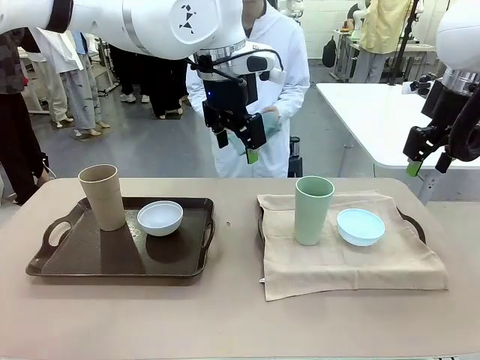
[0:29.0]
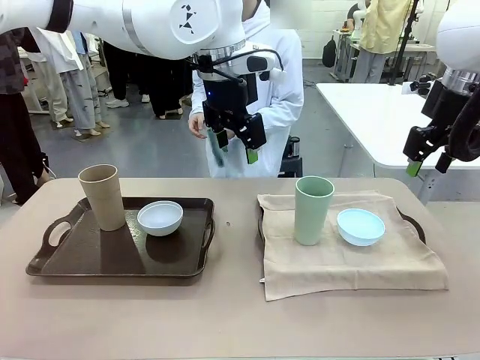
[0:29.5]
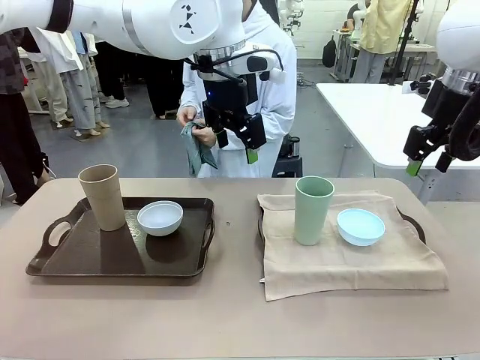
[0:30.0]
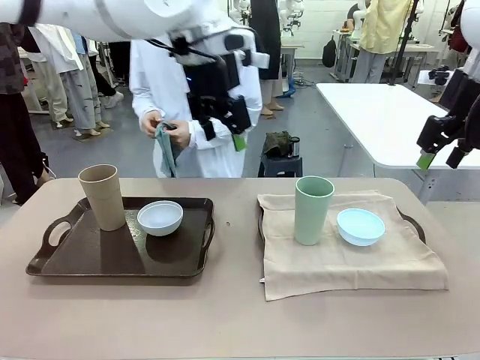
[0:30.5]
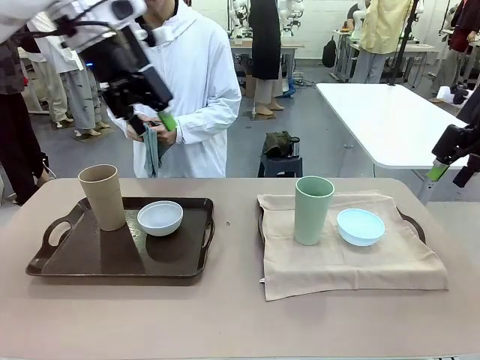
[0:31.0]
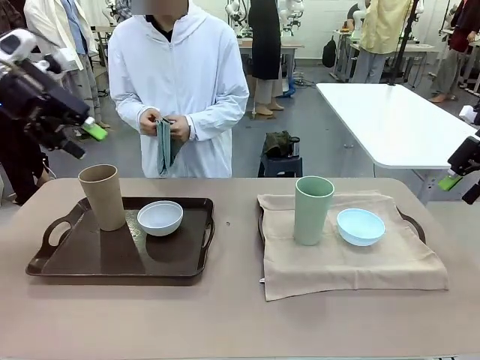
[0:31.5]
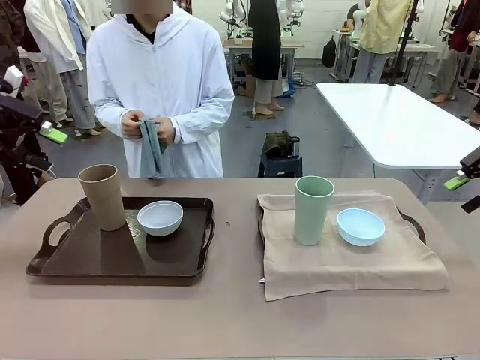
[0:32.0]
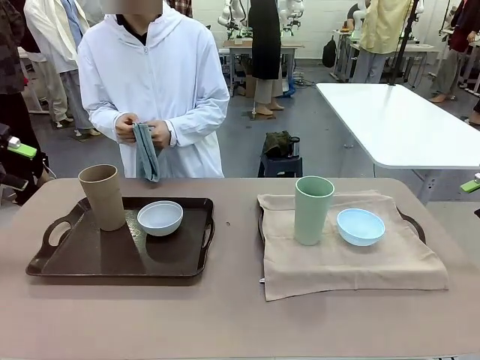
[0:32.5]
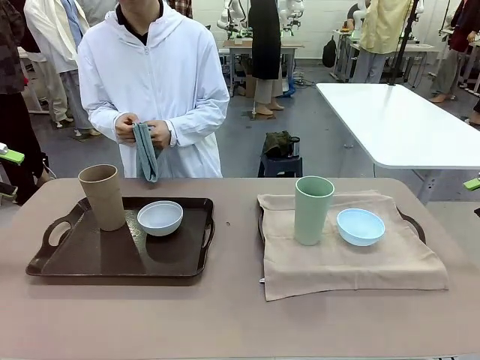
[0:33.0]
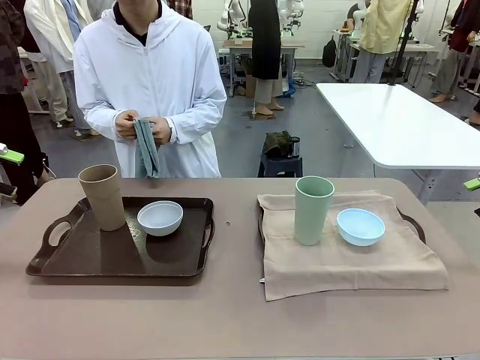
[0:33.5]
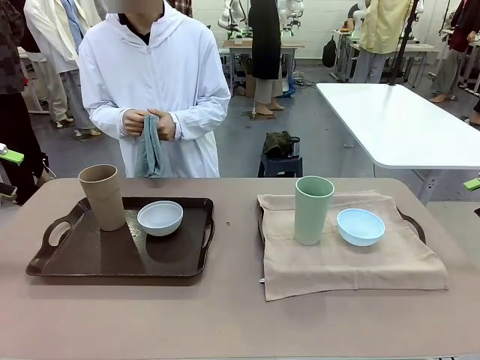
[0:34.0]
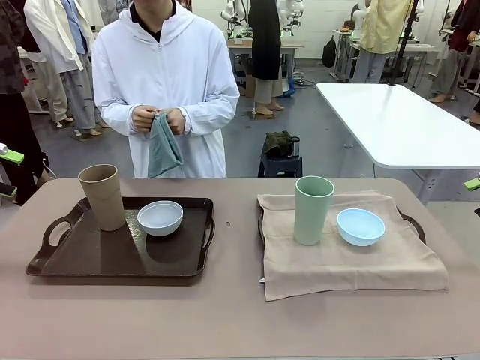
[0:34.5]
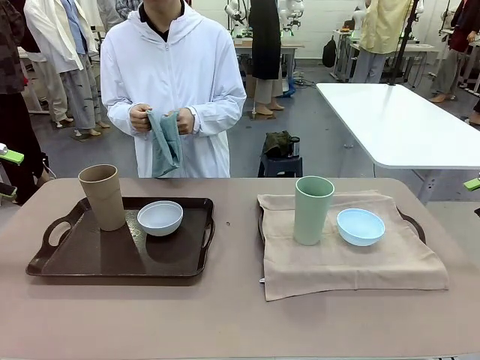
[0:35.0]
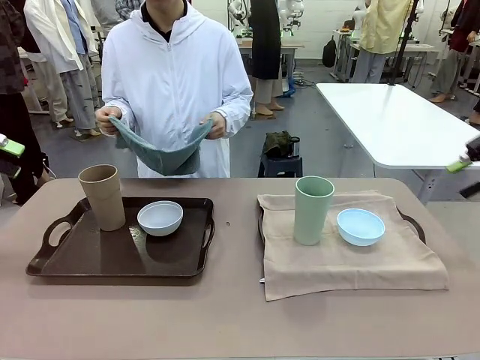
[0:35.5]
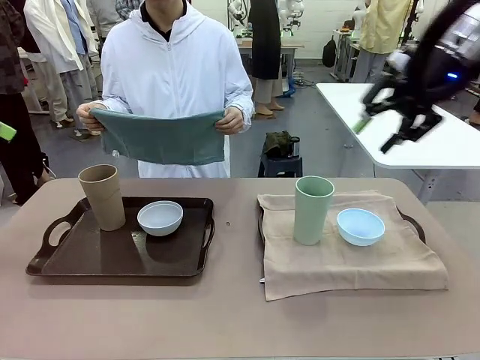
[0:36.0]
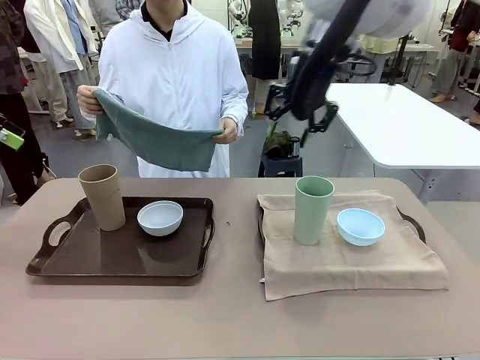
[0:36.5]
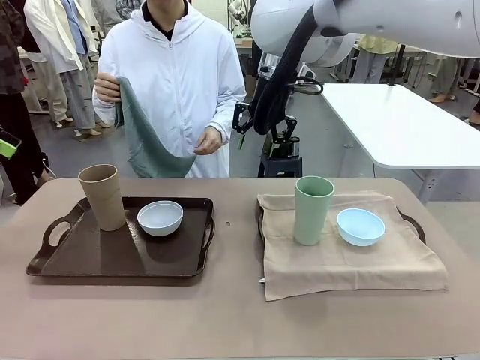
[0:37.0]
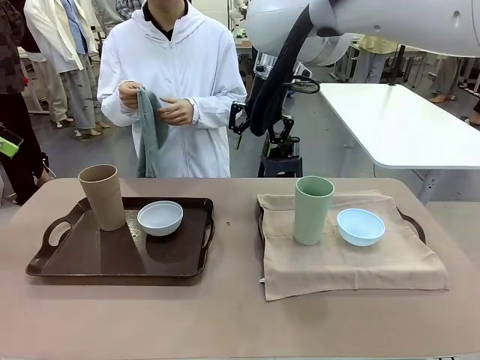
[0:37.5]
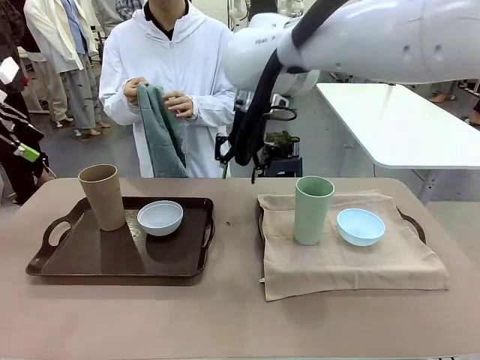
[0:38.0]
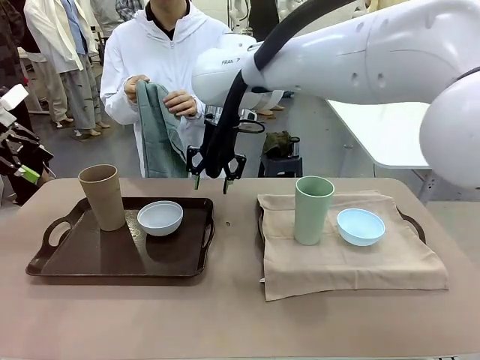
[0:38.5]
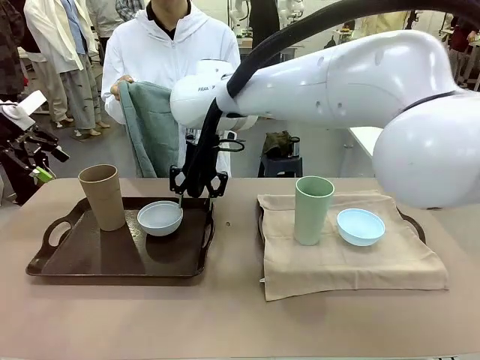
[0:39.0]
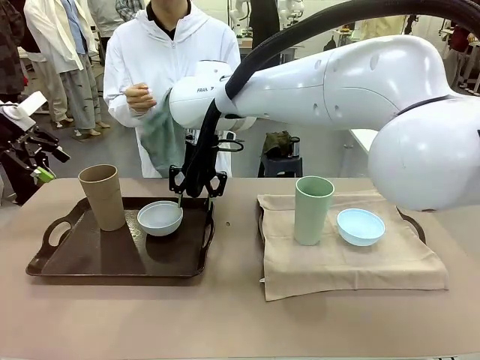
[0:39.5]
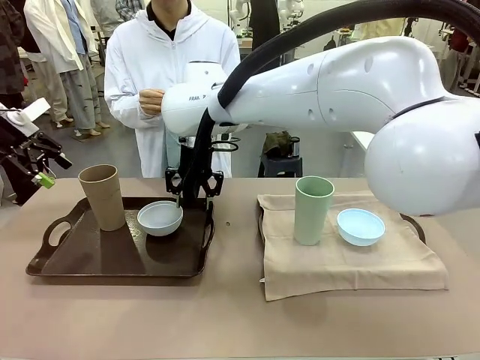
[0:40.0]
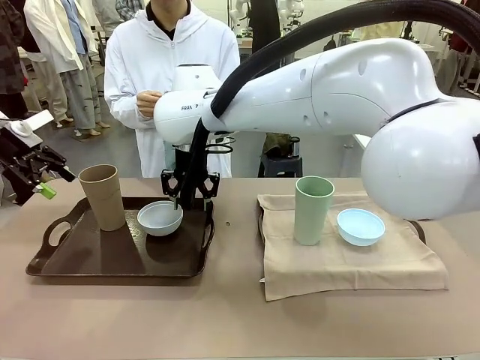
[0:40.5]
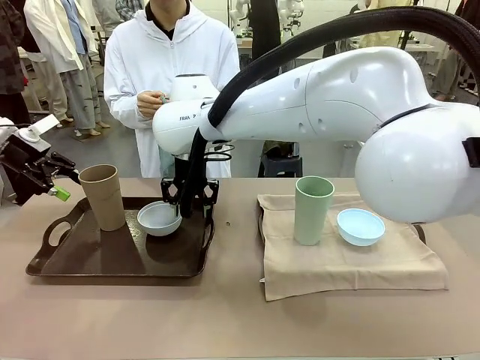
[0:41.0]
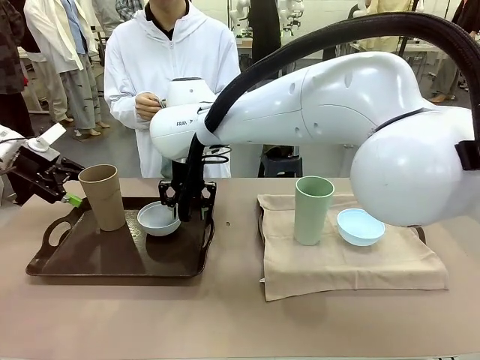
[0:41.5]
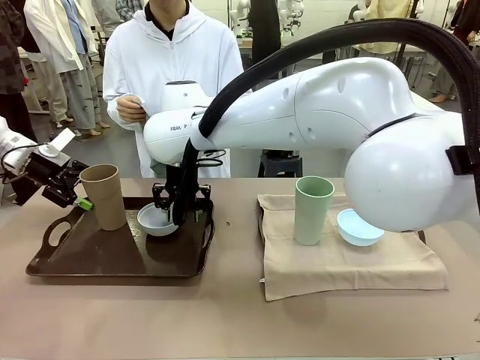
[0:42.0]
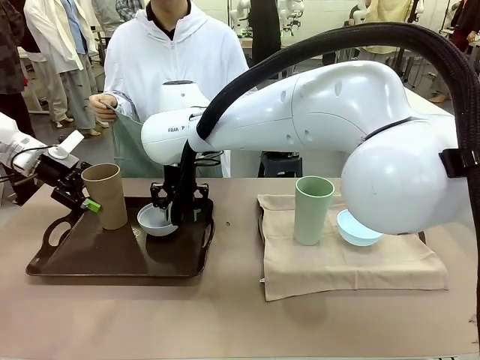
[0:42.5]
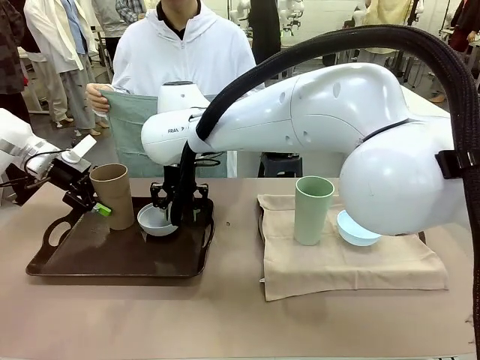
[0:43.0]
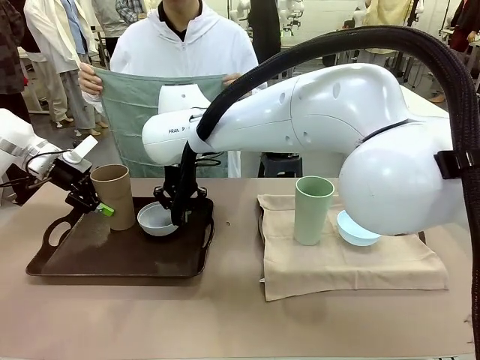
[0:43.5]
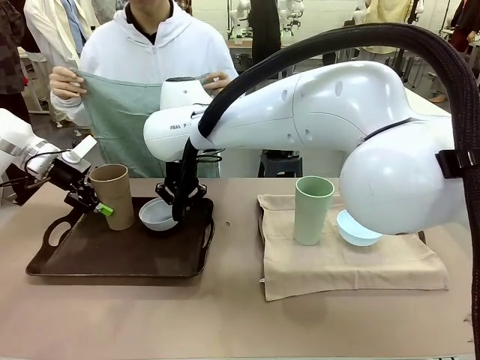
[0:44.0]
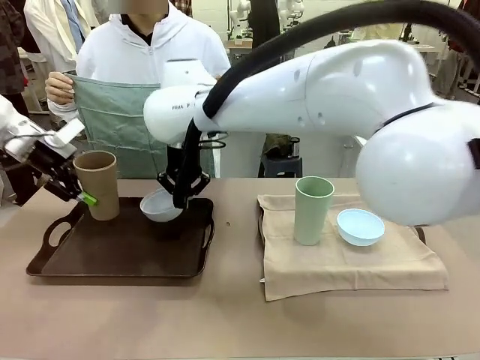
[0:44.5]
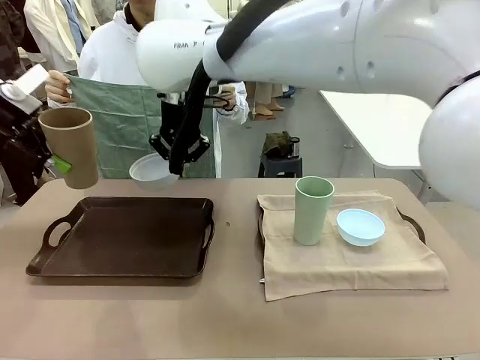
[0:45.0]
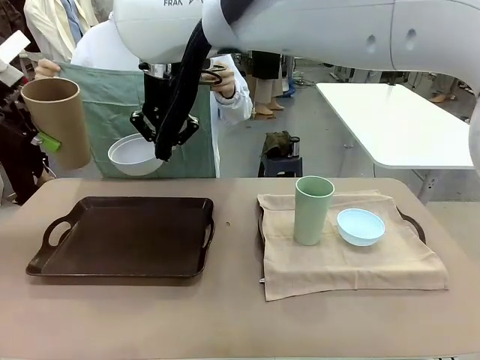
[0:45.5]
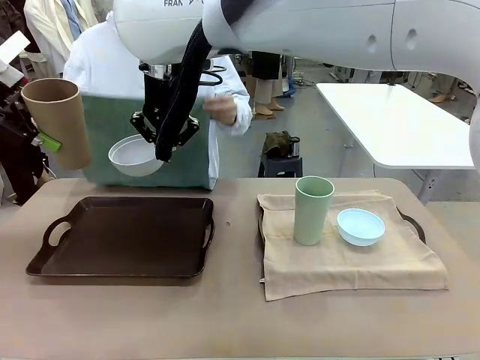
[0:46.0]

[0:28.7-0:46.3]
Robot: Pick up the Picnic Bowl and Reusable plastic cup from the Handle tray in front of the human's position and hold them in the air.
